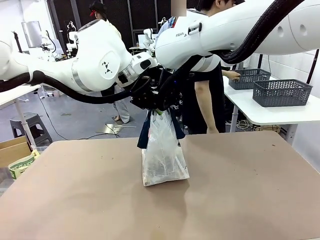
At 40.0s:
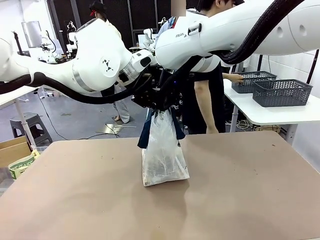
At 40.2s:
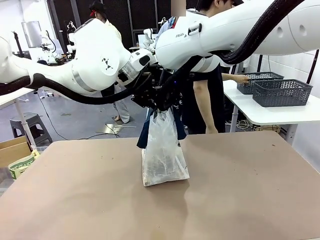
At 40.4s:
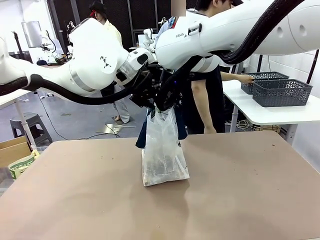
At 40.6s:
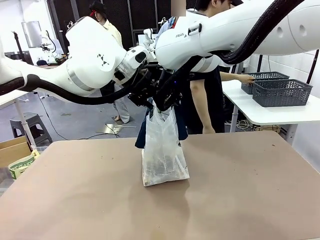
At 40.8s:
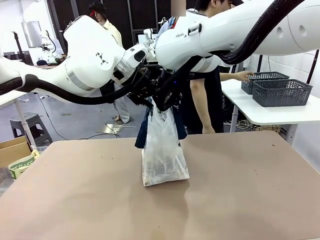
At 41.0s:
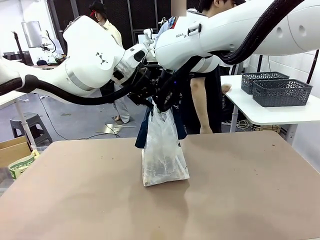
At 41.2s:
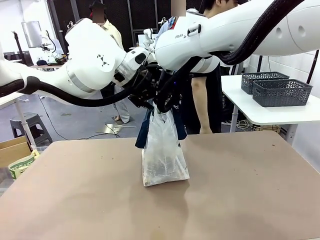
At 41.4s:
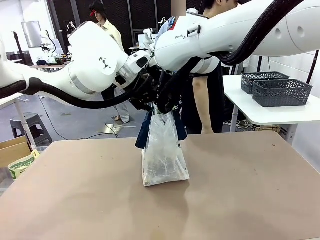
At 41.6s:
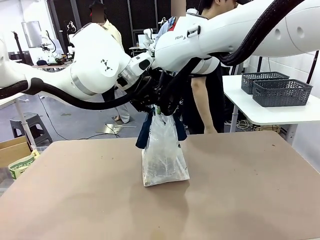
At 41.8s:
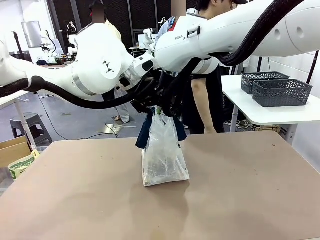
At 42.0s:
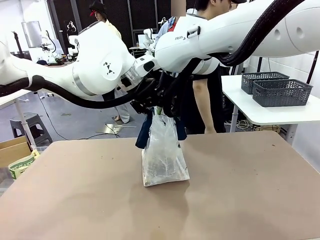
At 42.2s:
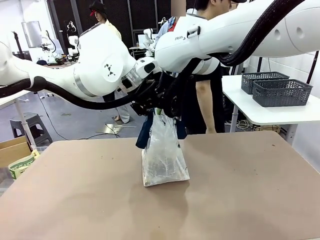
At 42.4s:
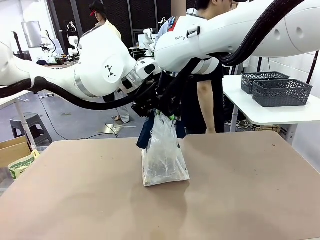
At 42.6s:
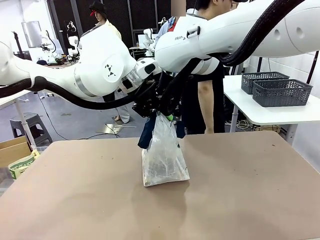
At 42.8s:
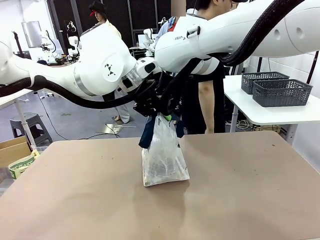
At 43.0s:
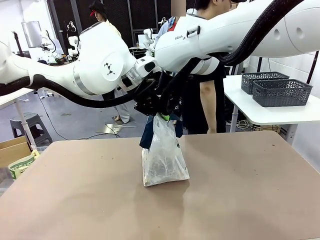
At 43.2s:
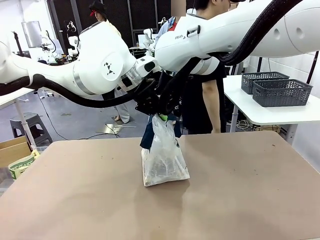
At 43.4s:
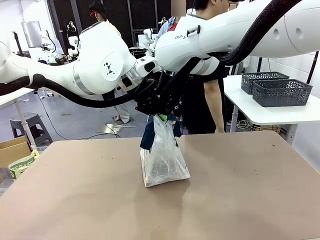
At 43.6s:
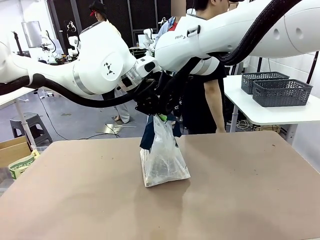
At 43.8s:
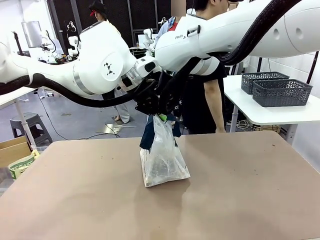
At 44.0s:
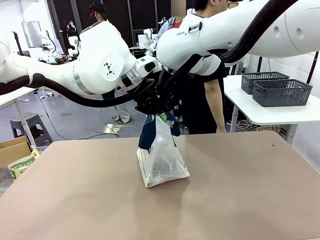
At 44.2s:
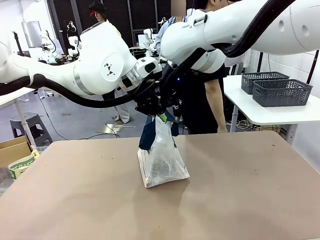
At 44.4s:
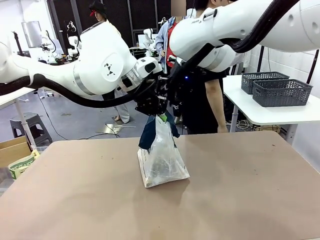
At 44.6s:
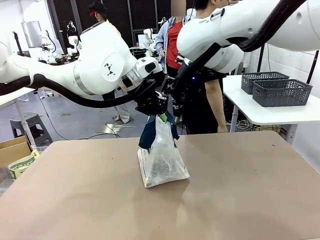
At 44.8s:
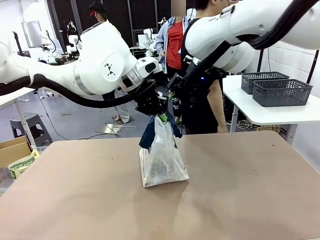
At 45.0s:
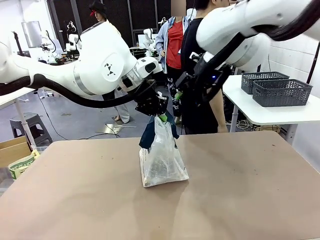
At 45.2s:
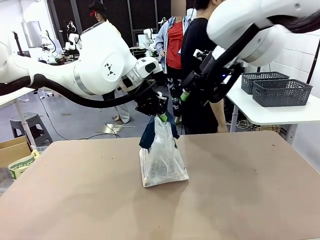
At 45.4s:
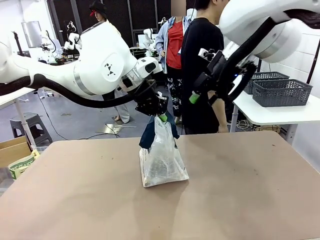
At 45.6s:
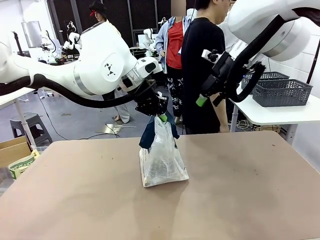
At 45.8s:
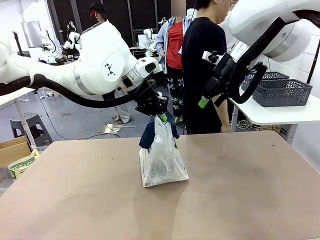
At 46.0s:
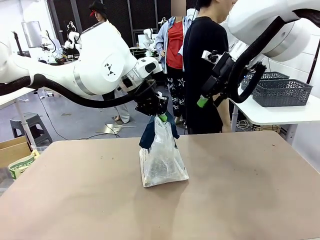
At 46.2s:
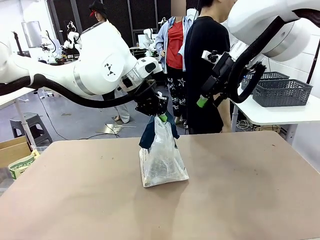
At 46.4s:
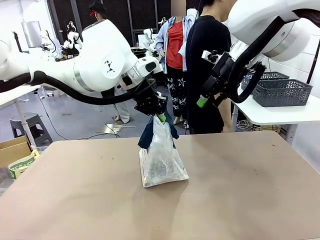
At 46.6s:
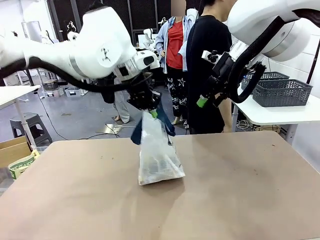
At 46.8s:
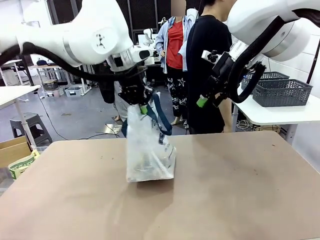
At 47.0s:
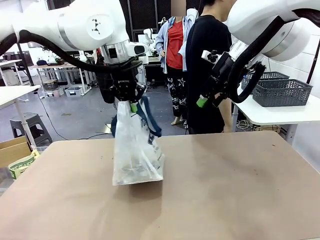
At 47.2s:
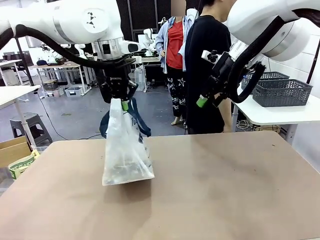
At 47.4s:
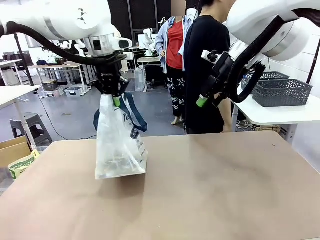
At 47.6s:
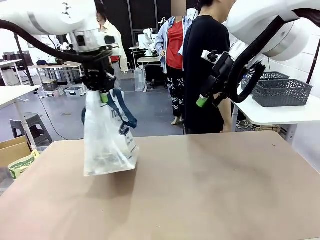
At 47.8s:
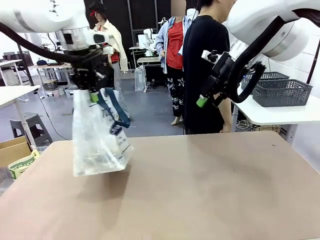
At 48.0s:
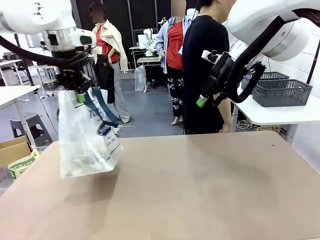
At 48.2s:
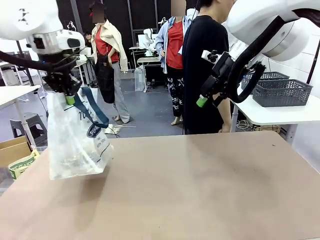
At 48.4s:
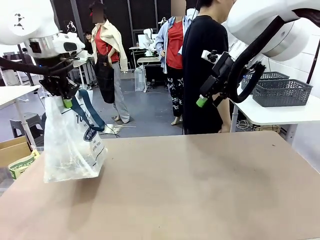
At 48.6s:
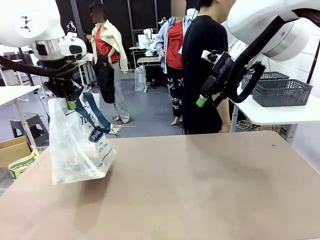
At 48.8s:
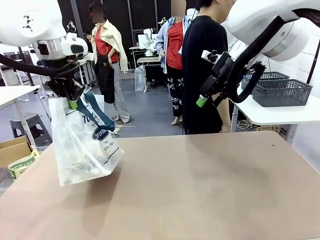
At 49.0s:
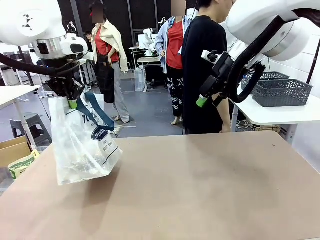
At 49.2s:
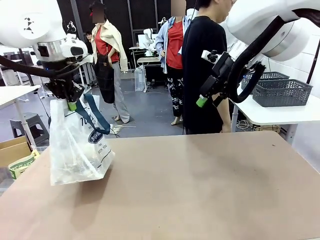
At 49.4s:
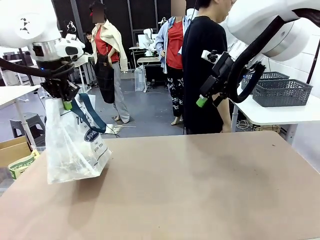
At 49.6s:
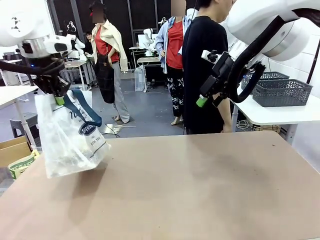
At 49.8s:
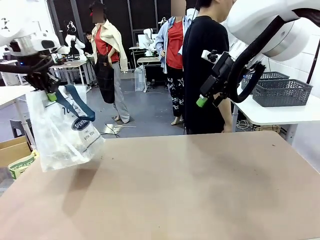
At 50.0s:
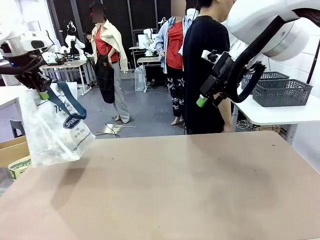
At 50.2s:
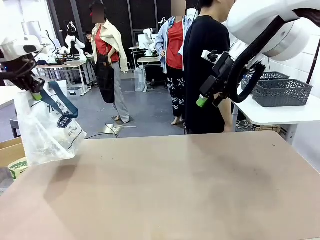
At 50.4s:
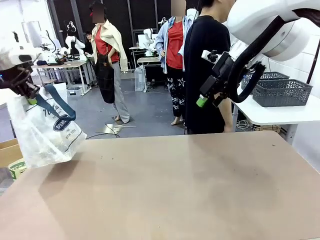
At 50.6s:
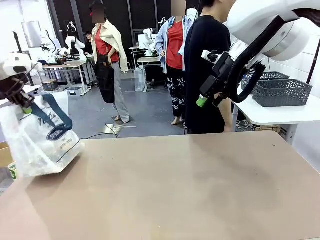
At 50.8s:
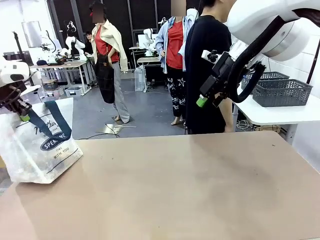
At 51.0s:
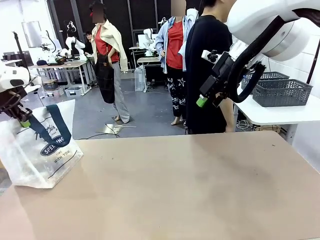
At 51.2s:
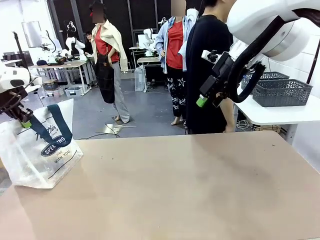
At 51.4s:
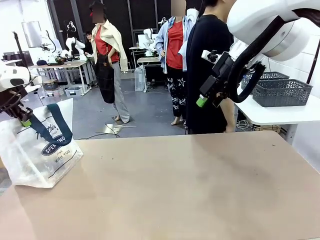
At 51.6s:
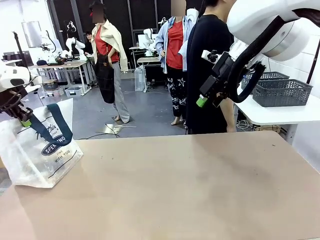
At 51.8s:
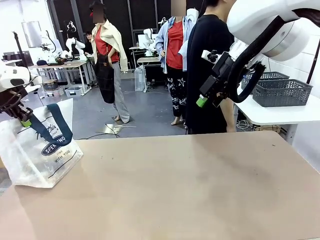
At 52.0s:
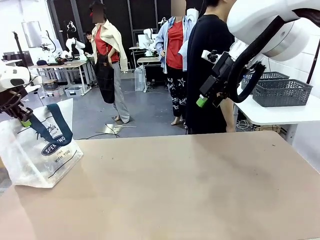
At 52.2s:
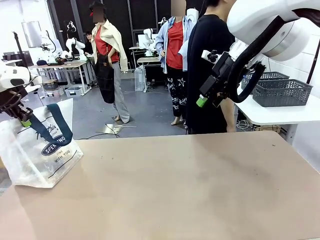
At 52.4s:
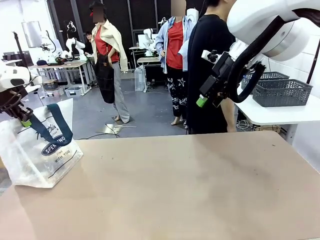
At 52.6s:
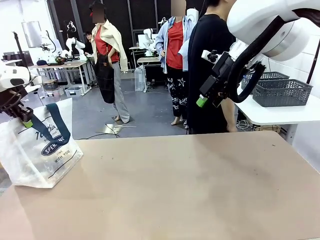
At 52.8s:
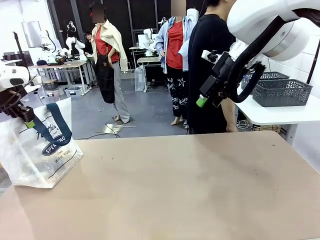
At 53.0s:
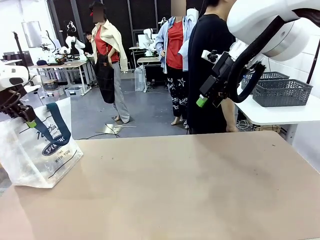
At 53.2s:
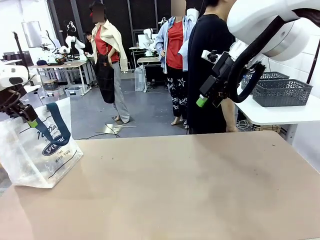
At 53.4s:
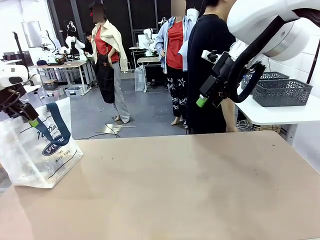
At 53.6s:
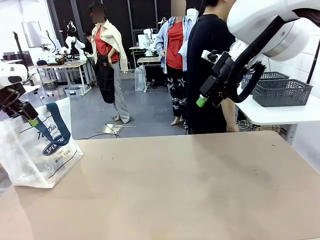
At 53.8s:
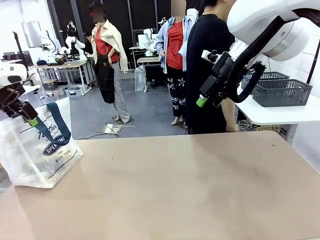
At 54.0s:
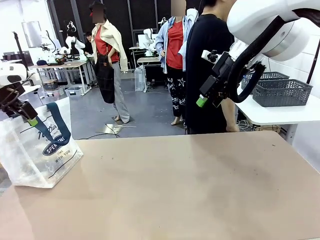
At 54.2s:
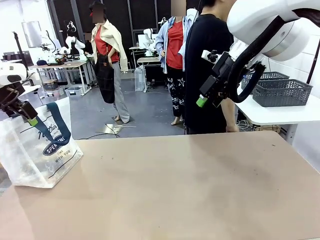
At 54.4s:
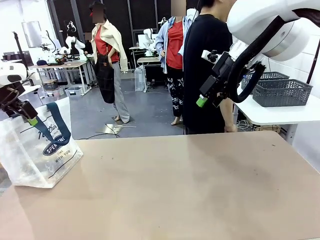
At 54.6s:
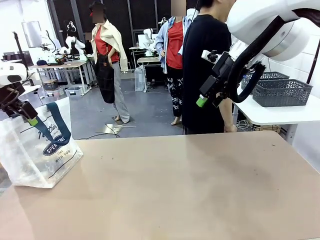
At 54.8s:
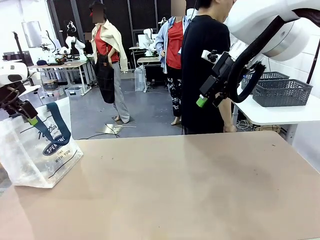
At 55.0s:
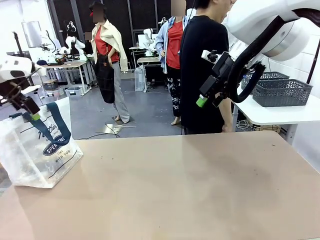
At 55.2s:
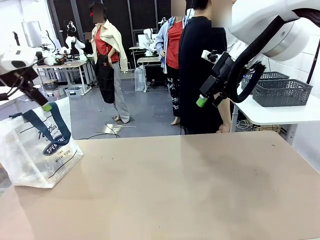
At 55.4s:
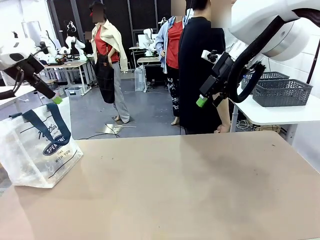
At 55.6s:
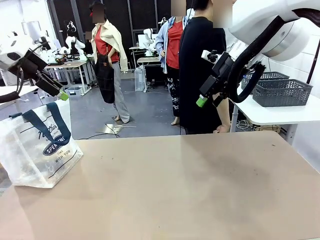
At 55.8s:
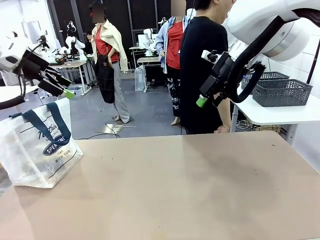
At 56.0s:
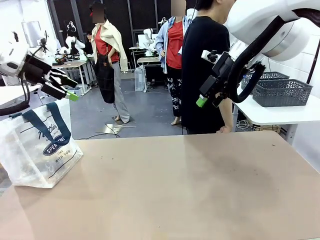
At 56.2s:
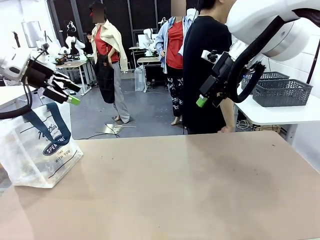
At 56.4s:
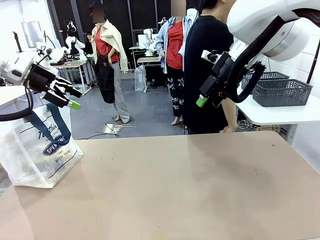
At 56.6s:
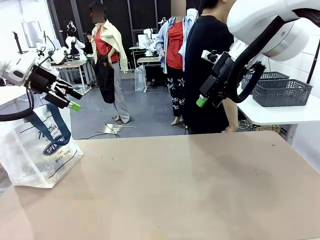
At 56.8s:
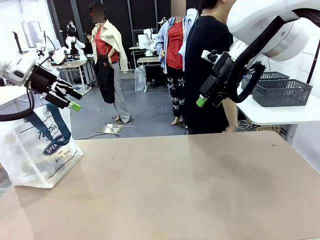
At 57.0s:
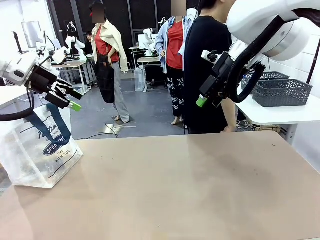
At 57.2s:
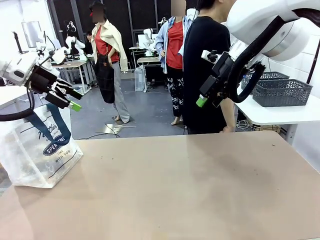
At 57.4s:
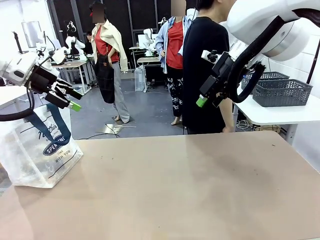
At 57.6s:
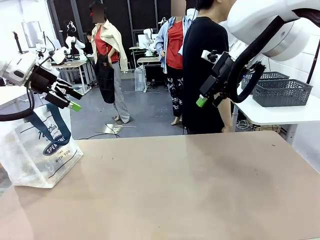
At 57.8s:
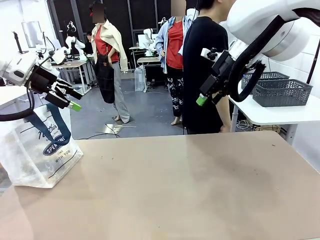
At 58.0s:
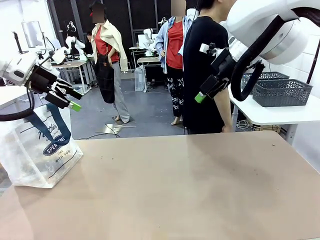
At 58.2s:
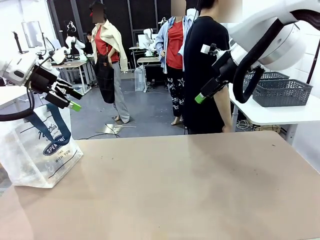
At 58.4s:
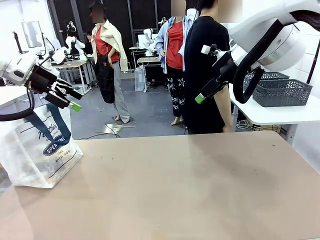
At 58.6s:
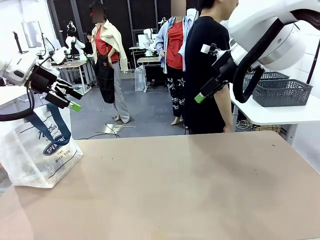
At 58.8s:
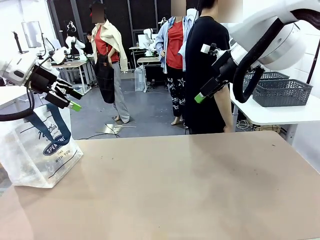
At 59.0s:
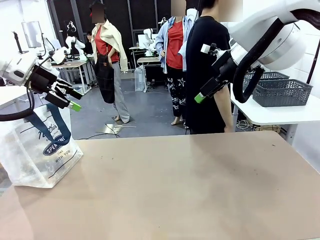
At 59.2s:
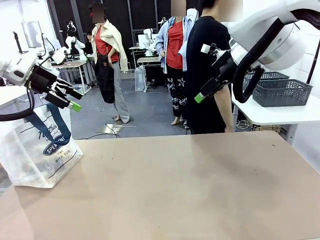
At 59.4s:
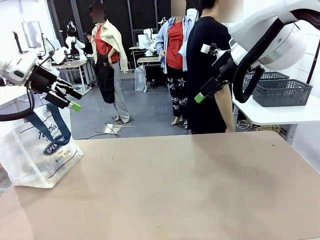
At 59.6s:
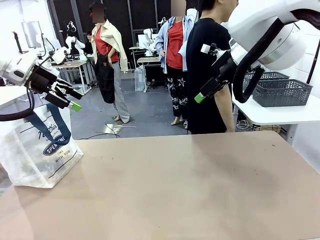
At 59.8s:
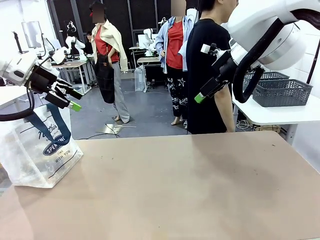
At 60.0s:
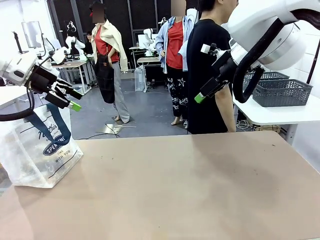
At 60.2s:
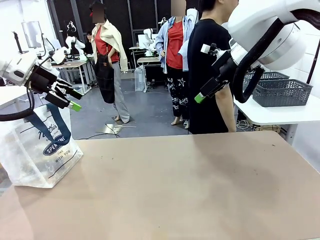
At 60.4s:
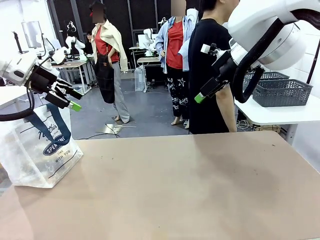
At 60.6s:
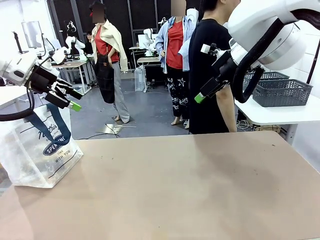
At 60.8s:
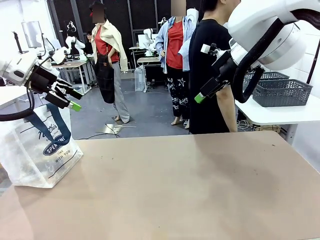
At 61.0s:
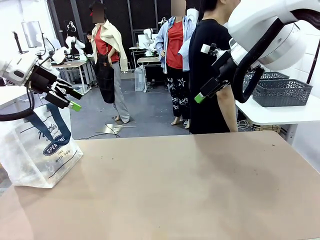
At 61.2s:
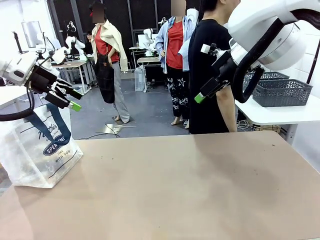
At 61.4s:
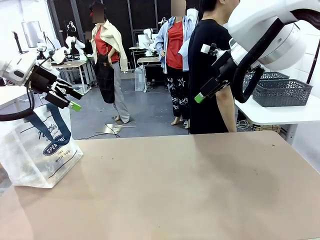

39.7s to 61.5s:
Task: Transfer purchased items from the store into the shopping bag.
Robot: Move the Reusable shopping bag to the right side of the table.
Person: Move the basket on the left to the middle of the person's table.
